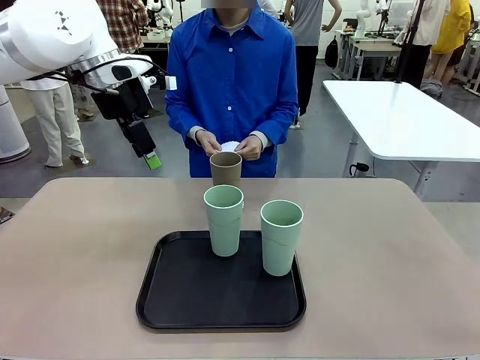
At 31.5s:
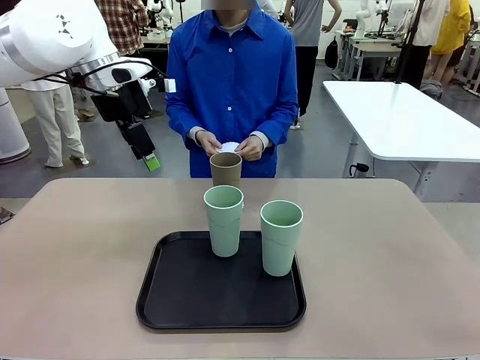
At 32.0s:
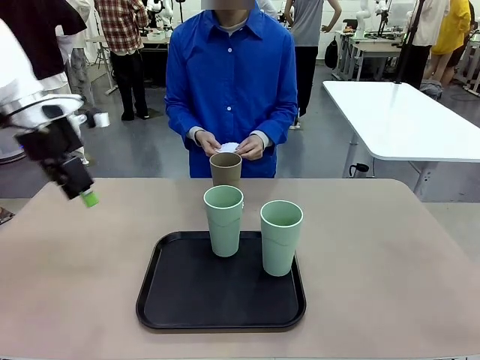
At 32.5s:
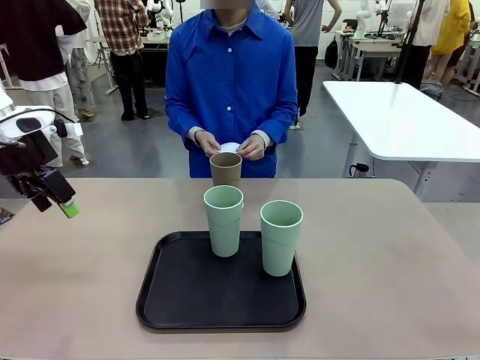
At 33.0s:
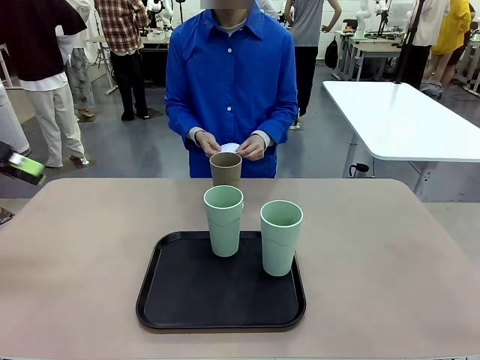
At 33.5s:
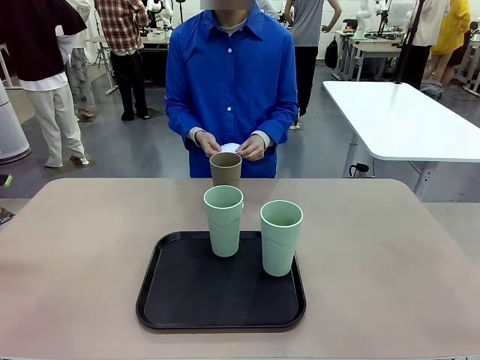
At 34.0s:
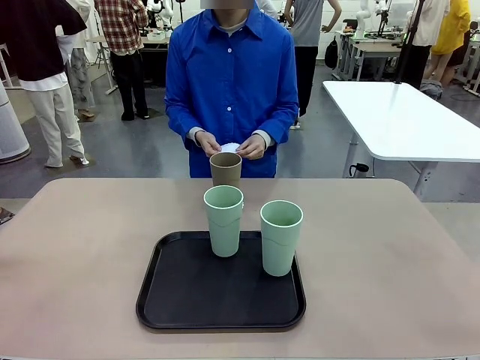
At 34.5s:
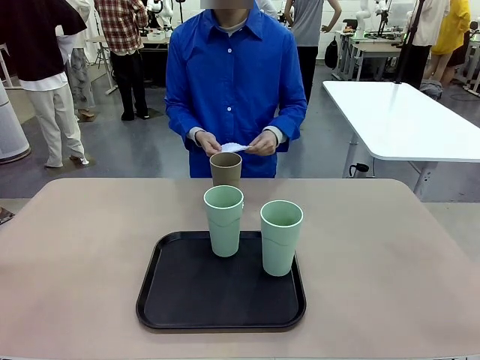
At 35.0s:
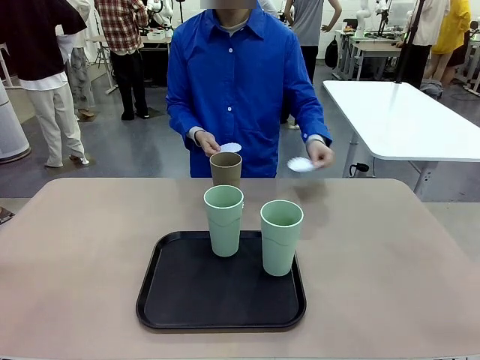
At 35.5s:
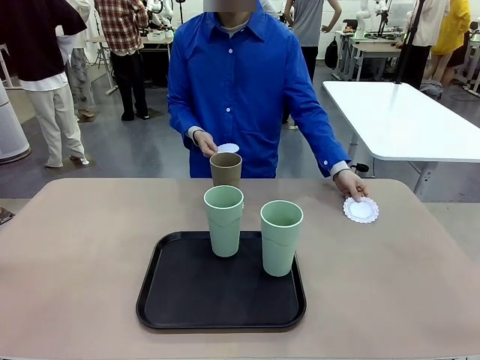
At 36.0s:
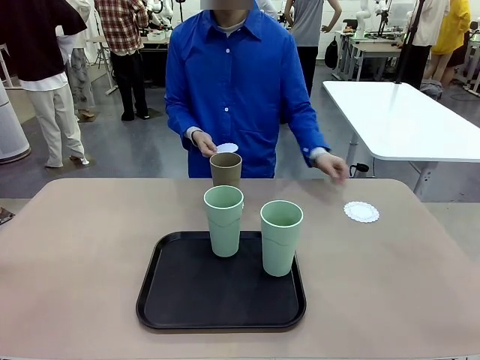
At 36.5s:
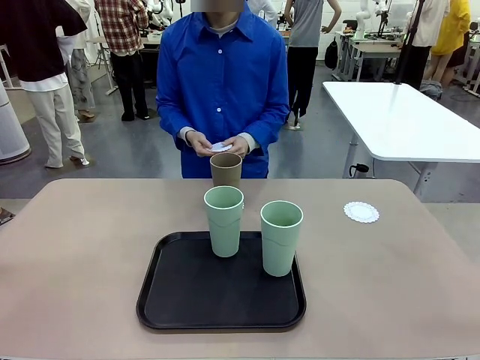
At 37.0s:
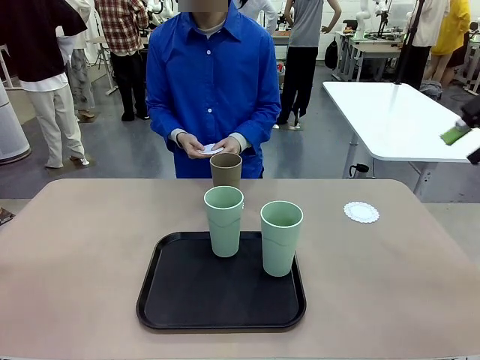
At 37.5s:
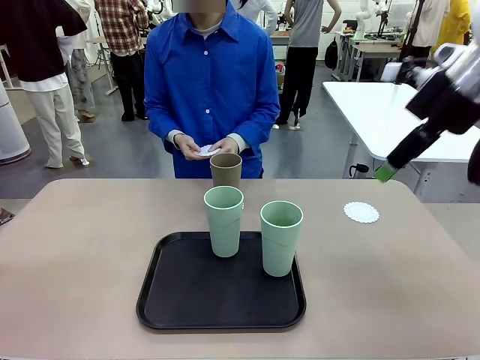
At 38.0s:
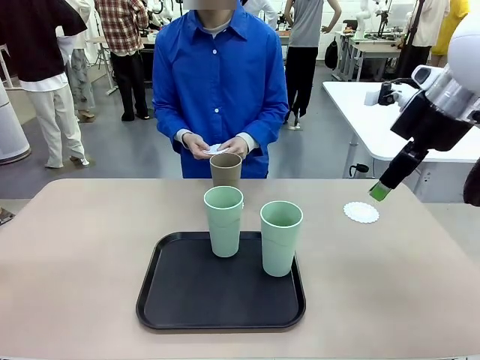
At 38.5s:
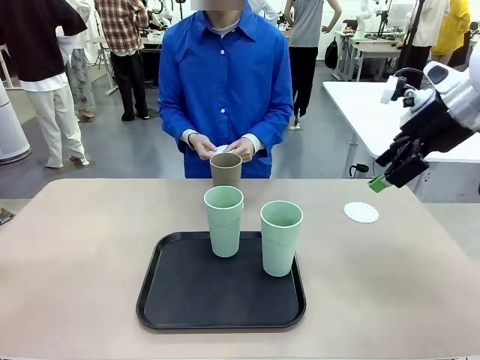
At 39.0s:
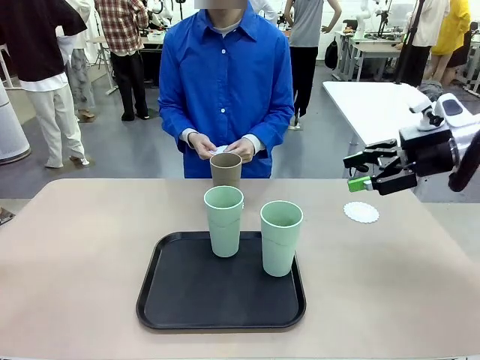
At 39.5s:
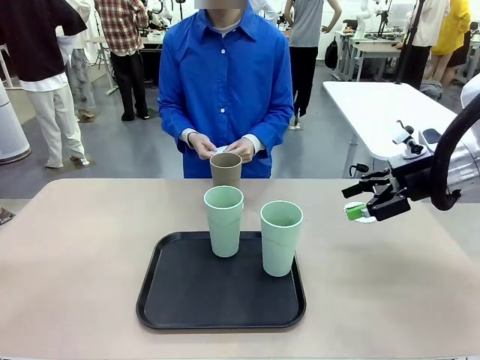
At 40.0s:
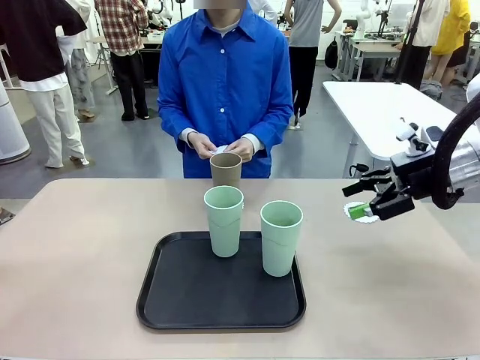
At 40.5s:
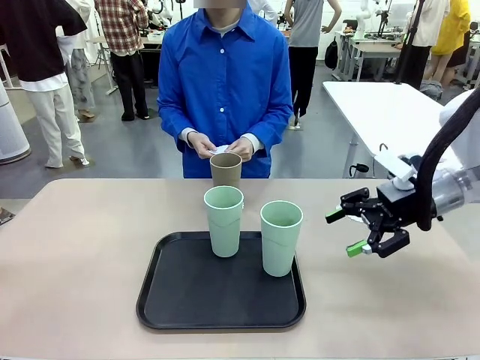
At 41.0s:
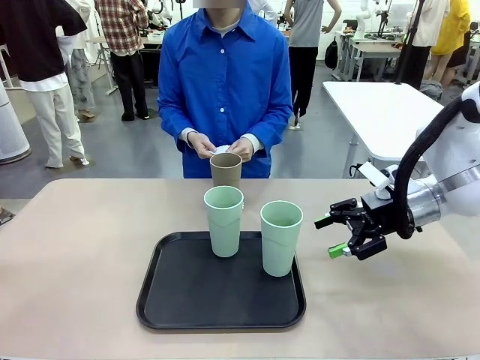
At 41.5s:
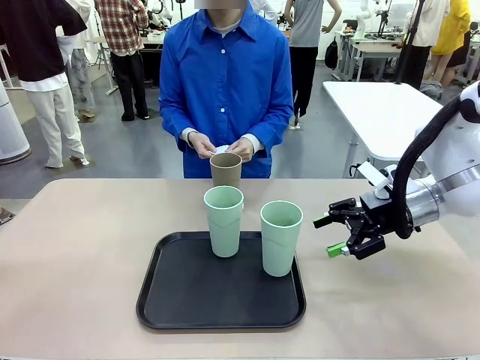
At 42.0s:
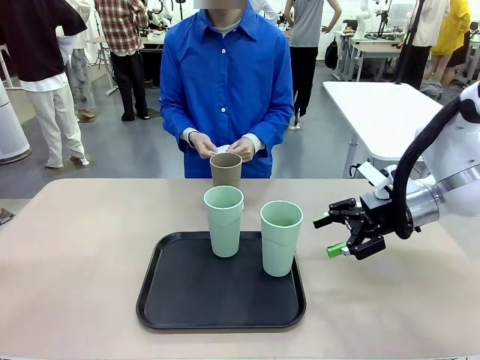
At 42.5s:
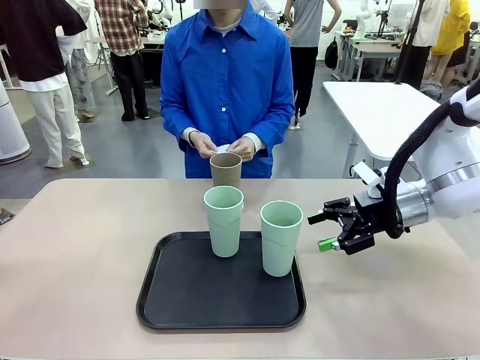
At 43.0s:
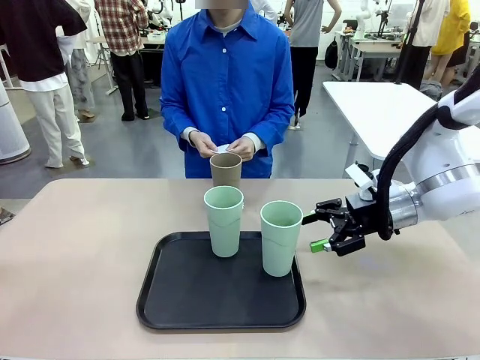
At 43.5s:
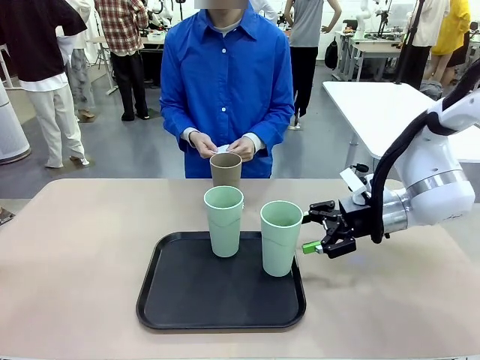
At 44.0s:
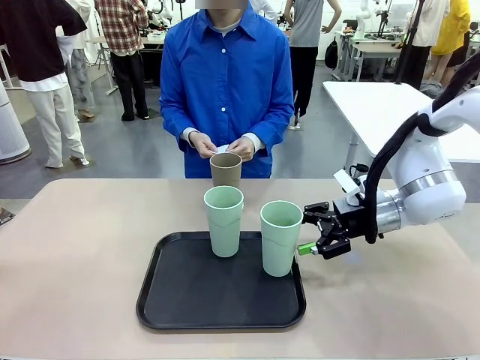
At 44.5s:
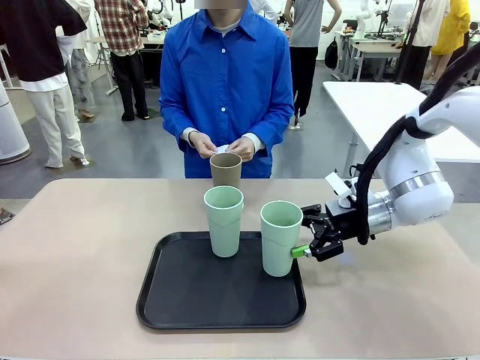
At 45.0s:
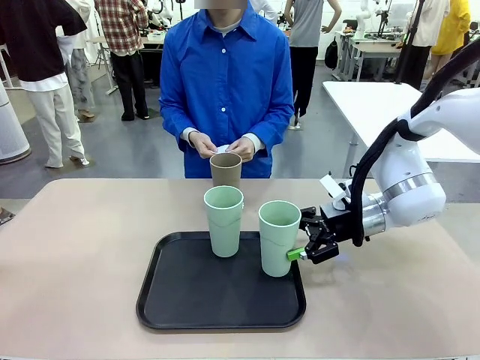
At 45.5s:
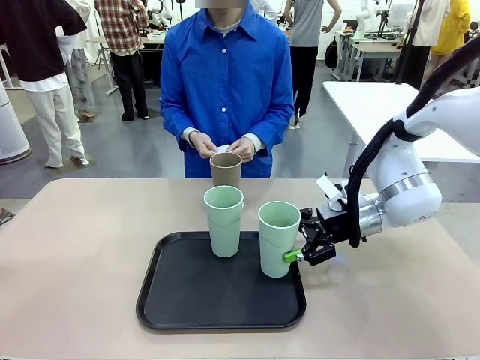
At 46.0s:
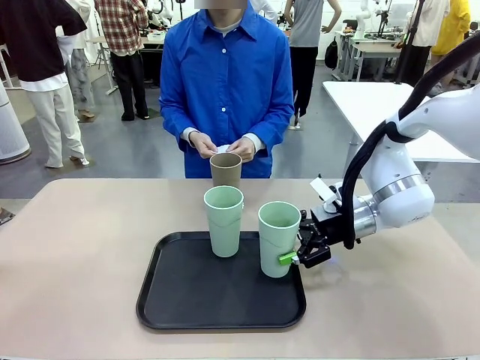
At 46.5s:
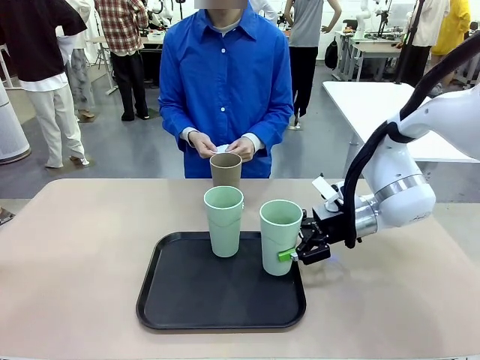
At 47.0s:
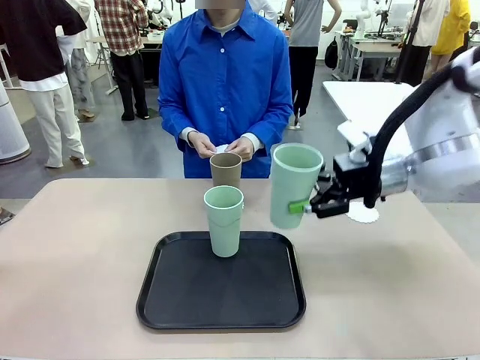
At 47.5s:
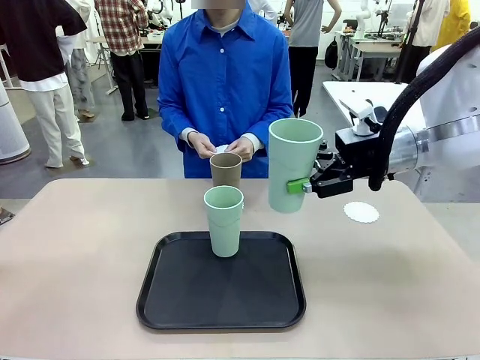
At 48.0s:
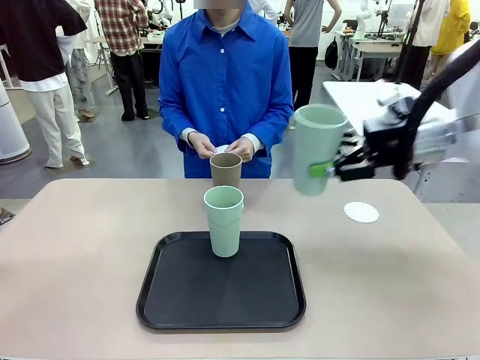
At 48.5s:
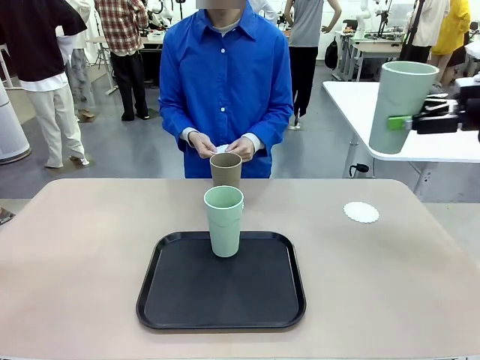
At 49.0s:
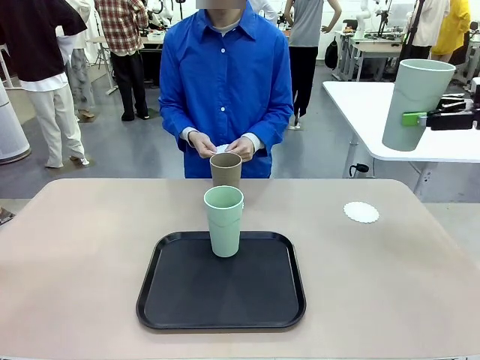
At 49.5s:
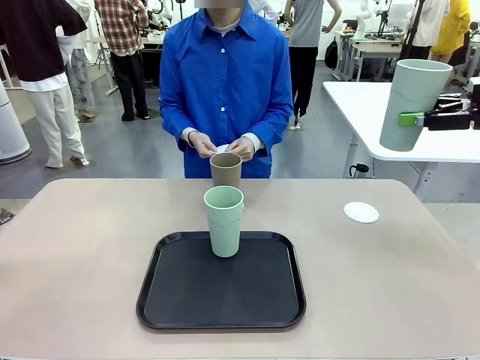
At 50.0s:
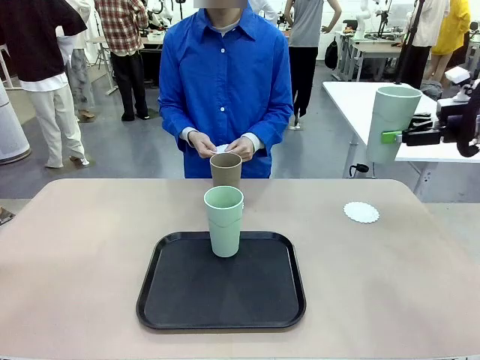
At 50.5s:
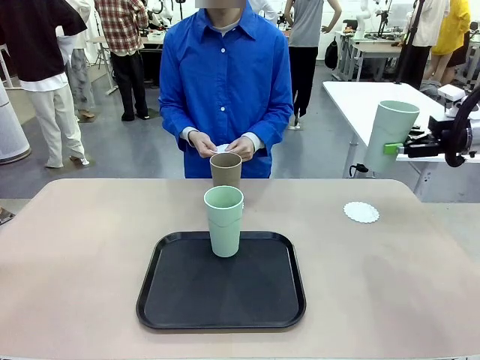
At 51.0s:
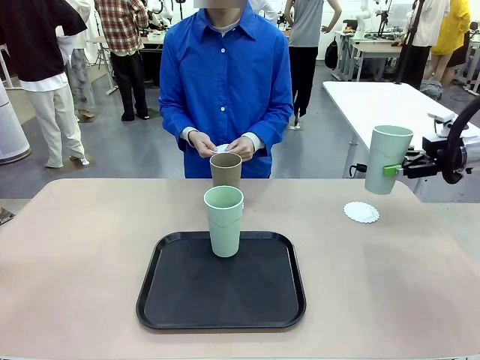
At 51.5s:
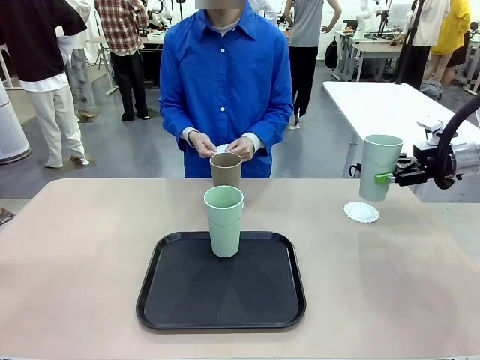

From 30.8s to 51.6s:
Task: Place coasters on the table and set cups on them.
Robot: Take one Reusable plastic cup from the Flat Tray and place it on a coaster set by the human.

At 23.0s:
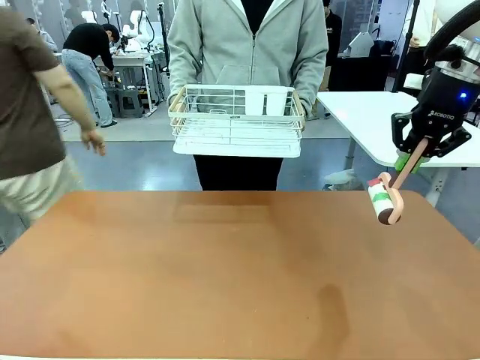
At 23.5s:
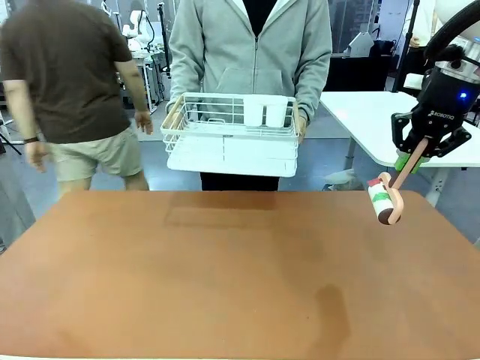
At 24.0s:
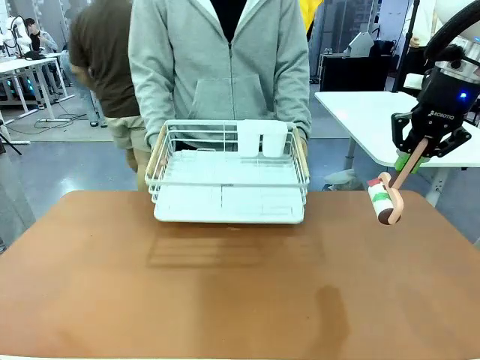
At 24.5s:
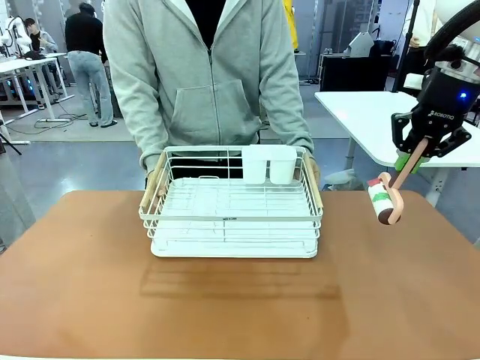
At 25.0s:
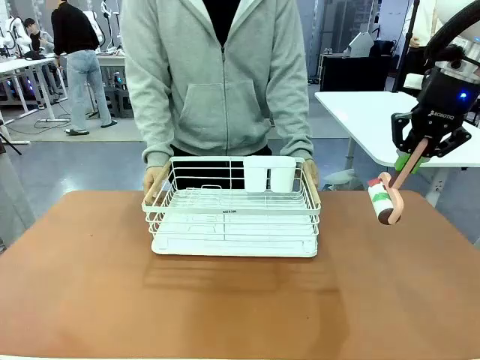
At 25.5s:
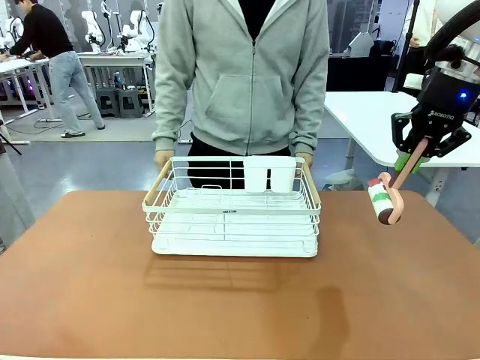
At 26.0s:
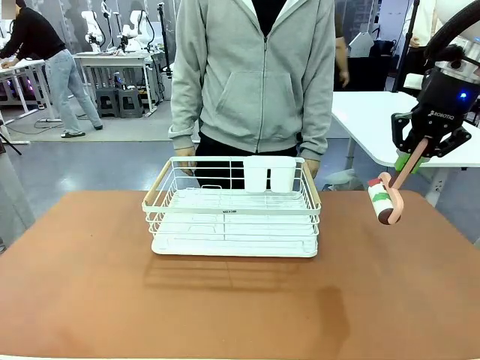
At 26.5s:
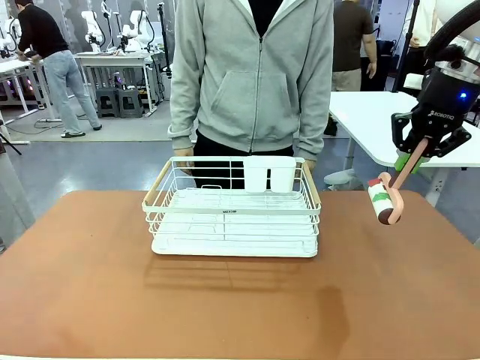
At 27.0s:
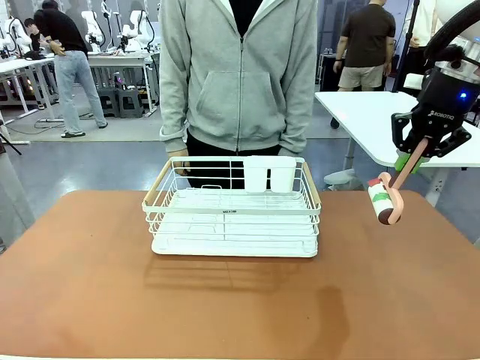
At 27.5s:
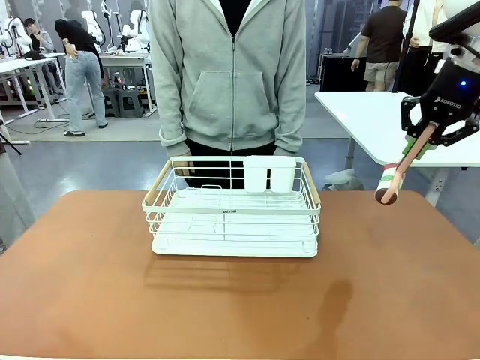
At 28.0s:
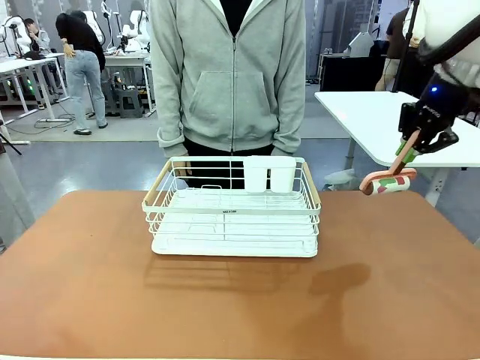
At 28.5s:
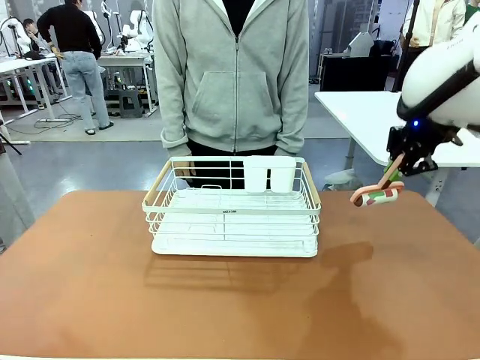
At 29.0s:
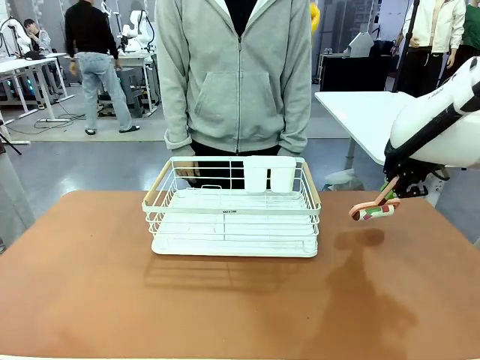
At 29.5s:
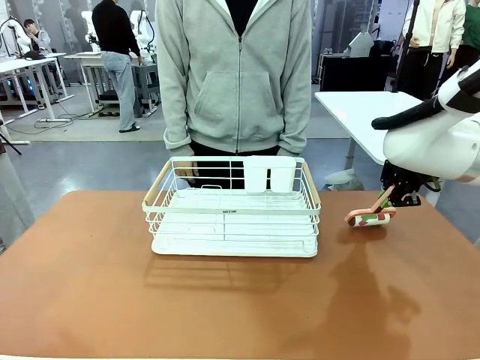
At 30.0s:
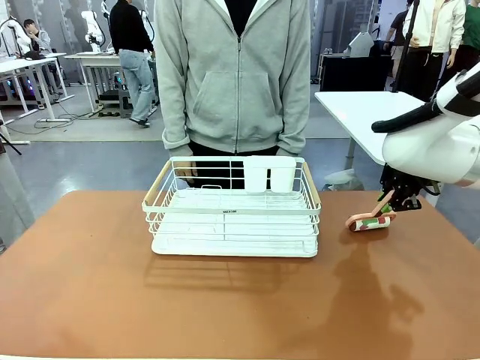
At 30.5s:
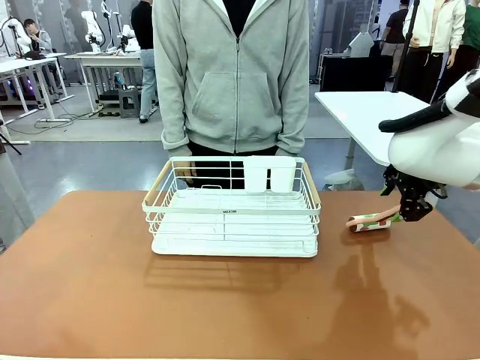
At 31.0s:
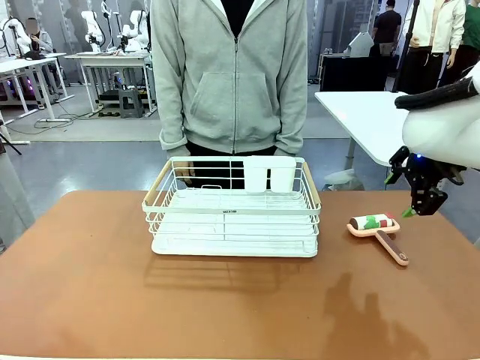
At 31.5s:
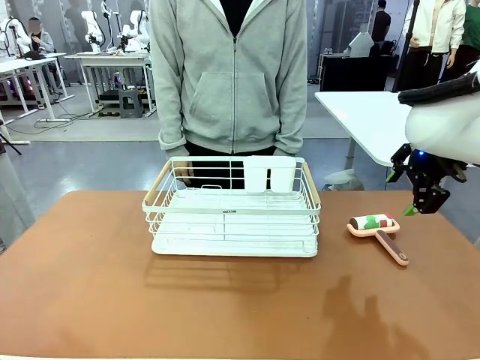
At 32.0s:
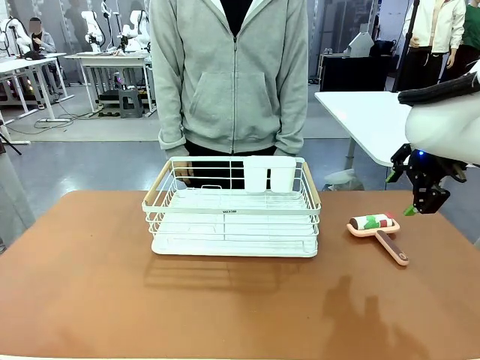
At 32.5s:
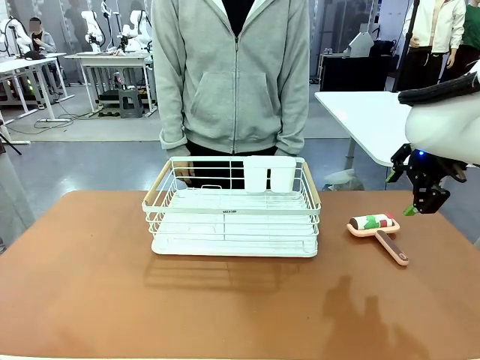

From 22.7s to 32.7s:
Task: Clean the table.
Robot: Place the Lint Roller down when the Dish drying rack is positioned in the middle of the table.
Person: Place the Dish drying rack down when the robot finishes cleaning.
